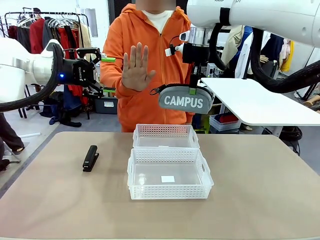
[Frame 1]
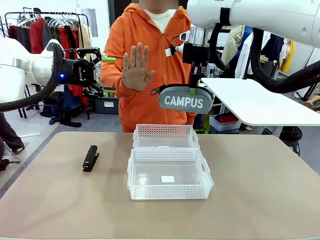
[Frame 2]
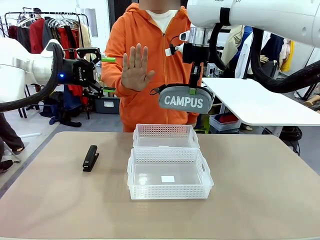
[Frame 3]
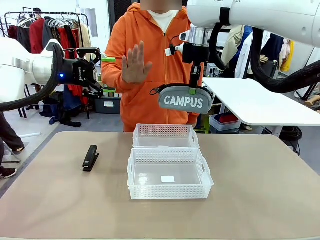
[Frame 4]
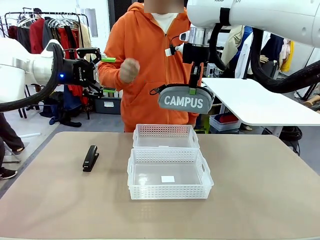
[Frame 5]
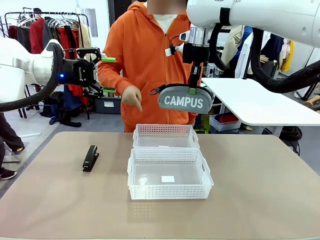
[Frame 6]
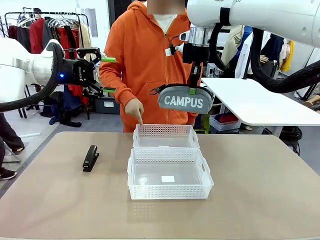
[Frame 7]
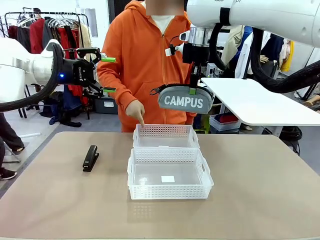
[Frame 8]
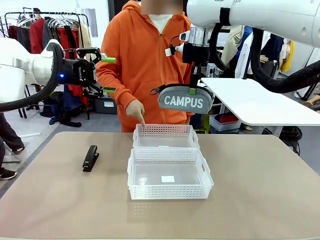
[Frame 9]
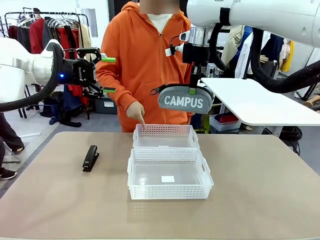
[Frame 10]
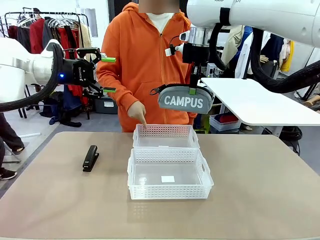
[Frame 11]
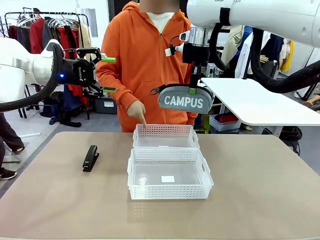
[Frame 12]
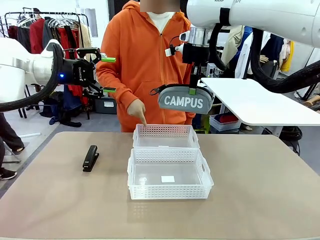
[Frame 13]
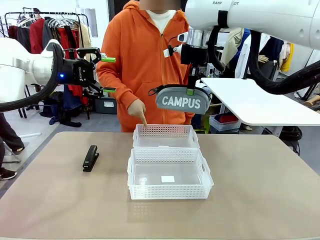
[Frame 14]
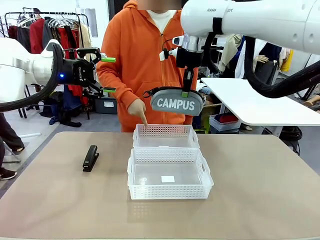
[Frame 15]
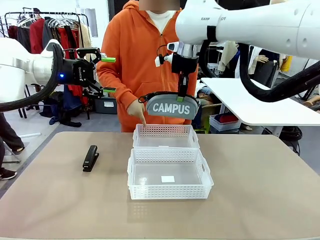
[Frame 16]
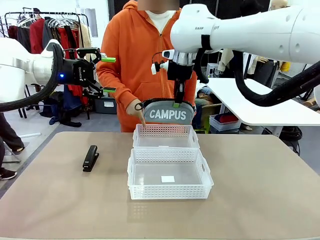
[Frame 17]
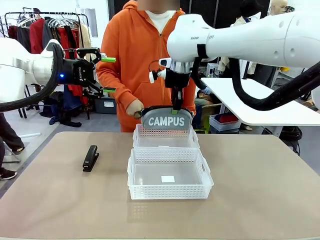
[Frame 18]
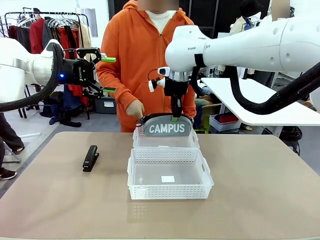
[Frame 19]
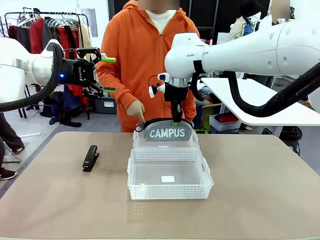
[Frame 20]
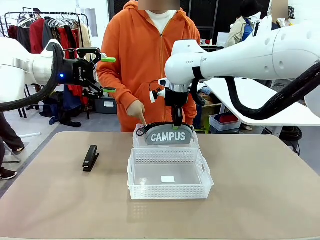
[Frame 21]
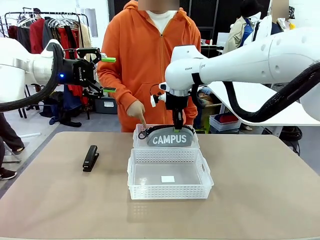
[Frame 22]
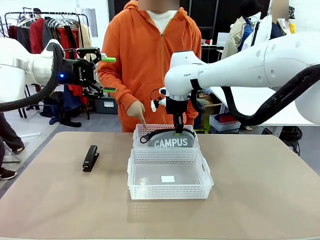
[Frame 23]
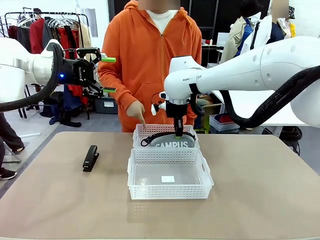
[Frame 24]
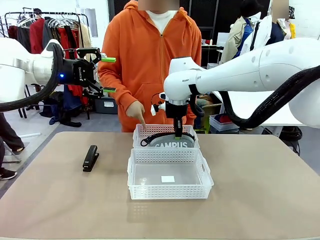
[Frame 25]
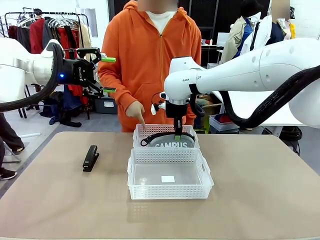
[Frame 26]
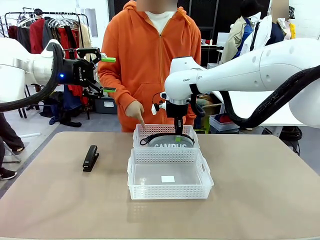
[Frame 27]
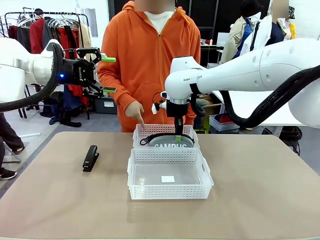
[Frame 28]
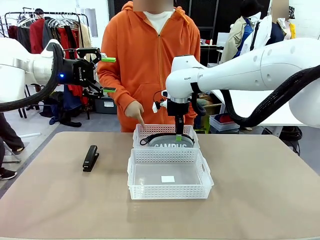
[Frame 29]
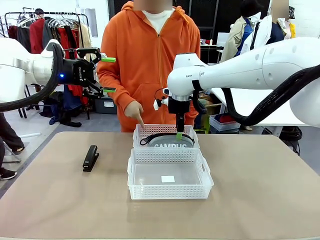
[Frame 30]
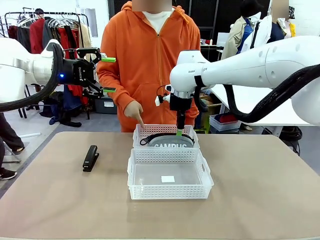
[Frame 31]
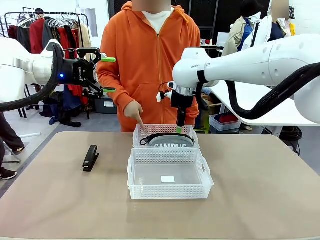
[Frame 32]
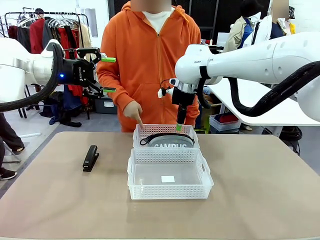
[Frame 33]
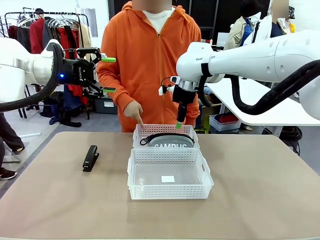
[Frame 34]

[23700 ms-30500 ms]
Task: Distribute items into two baskets.
Robot: Place the picked Pencil pouch into the Organizing basket as instructed by the person.
Person: Instructs the robot to place the pencil case into the opposite basket.

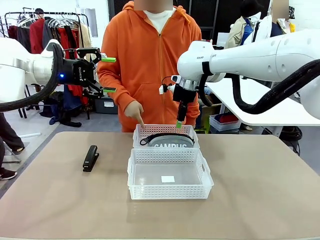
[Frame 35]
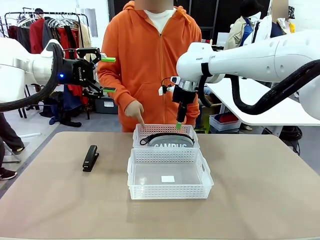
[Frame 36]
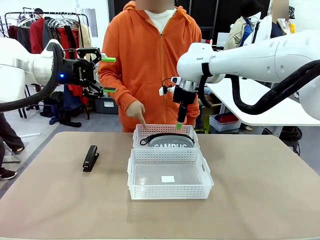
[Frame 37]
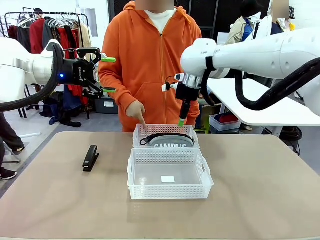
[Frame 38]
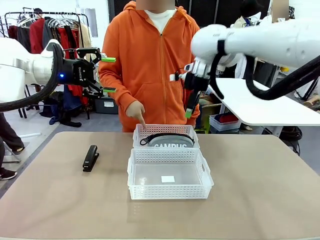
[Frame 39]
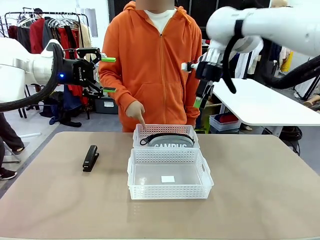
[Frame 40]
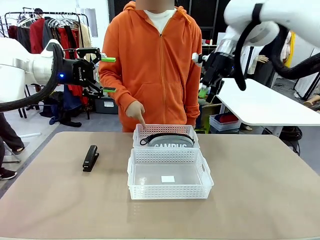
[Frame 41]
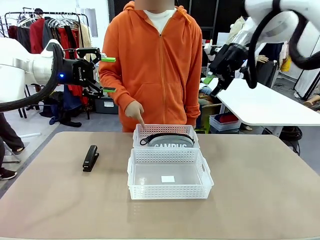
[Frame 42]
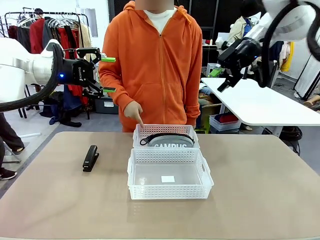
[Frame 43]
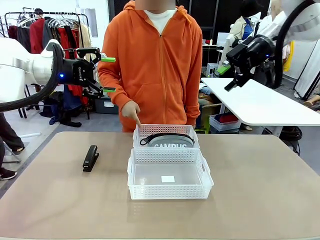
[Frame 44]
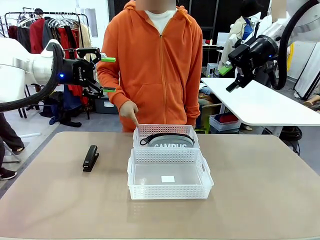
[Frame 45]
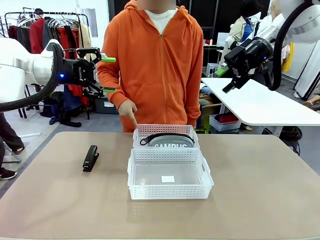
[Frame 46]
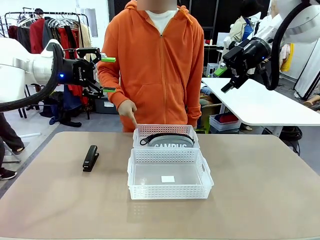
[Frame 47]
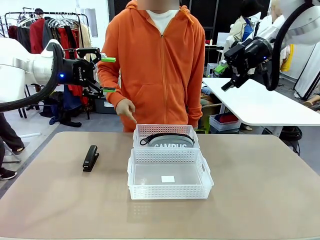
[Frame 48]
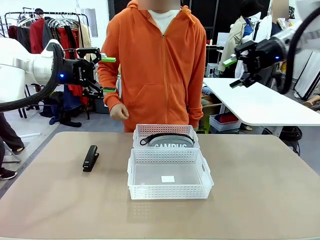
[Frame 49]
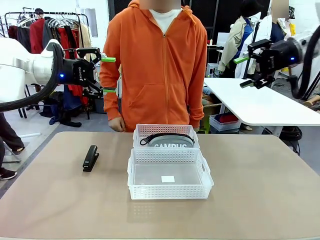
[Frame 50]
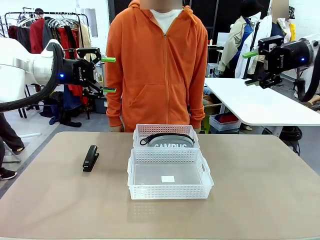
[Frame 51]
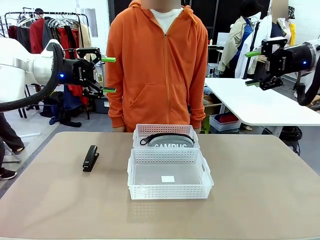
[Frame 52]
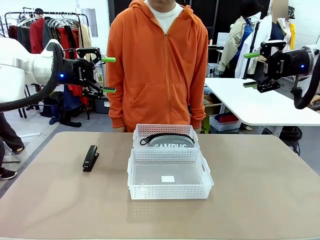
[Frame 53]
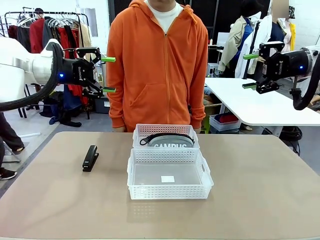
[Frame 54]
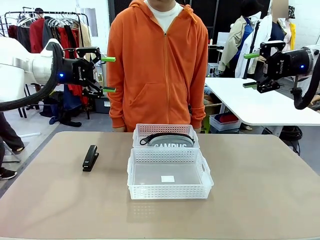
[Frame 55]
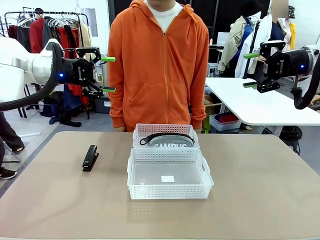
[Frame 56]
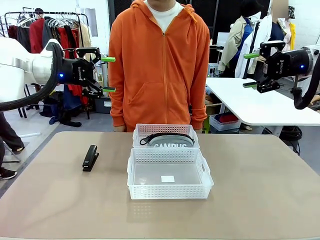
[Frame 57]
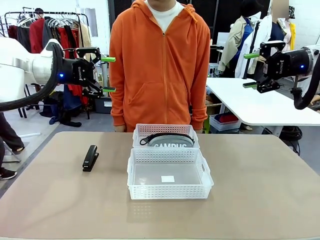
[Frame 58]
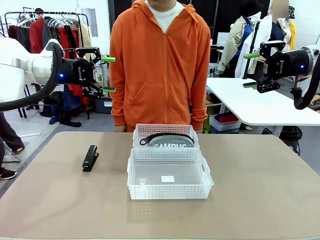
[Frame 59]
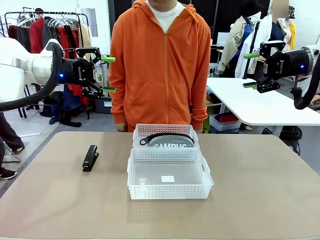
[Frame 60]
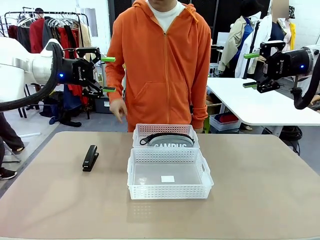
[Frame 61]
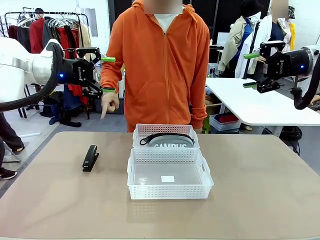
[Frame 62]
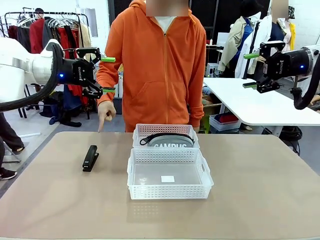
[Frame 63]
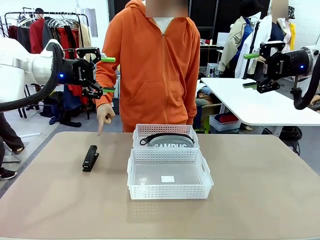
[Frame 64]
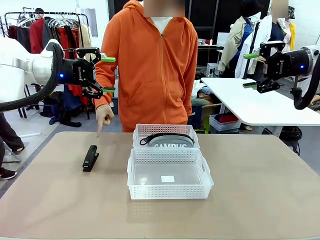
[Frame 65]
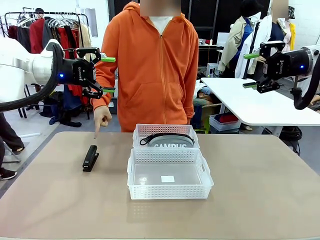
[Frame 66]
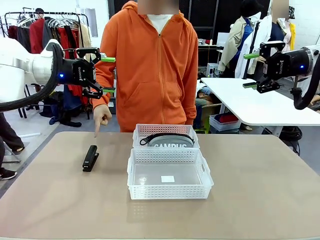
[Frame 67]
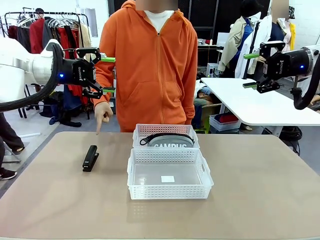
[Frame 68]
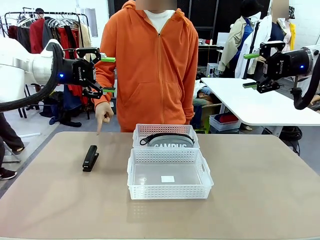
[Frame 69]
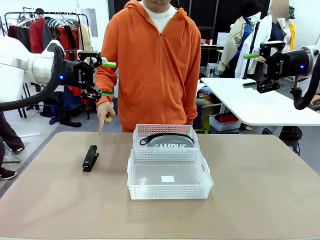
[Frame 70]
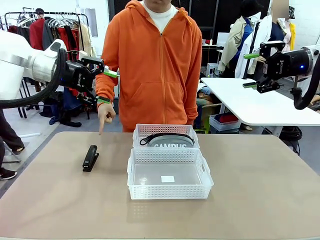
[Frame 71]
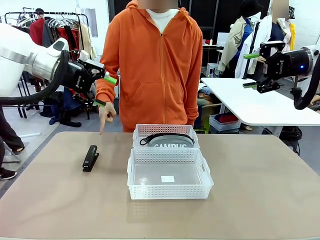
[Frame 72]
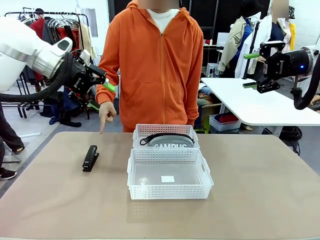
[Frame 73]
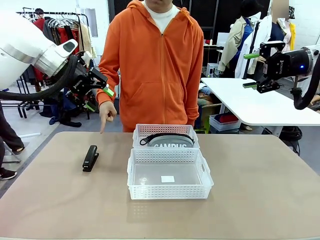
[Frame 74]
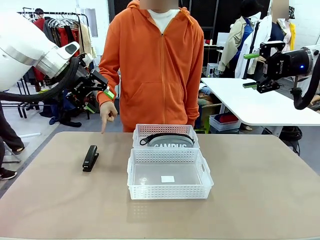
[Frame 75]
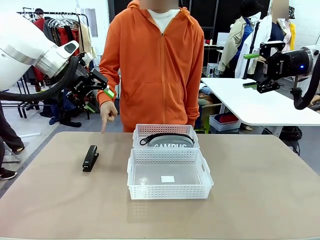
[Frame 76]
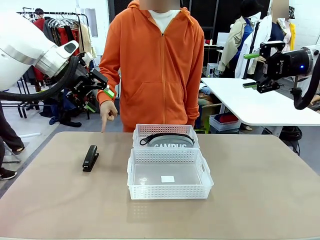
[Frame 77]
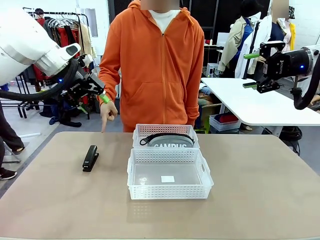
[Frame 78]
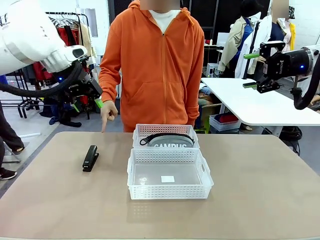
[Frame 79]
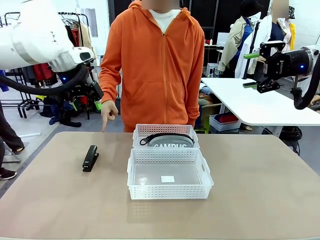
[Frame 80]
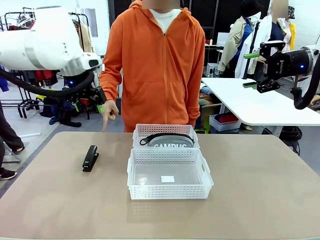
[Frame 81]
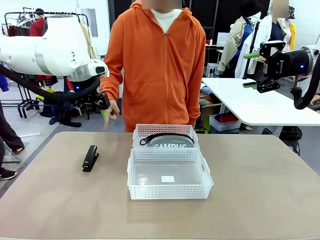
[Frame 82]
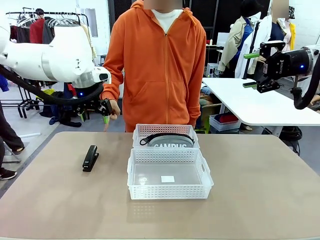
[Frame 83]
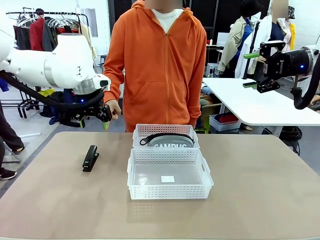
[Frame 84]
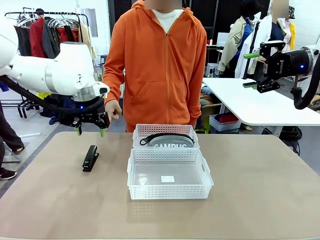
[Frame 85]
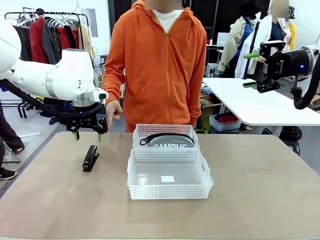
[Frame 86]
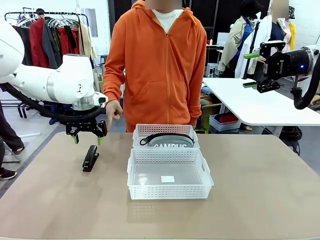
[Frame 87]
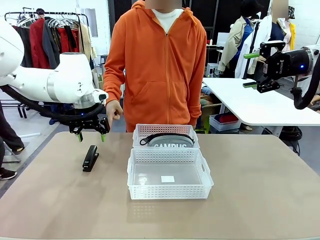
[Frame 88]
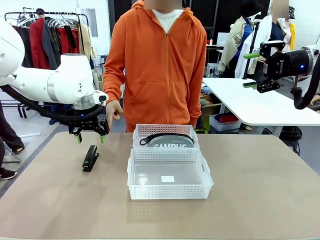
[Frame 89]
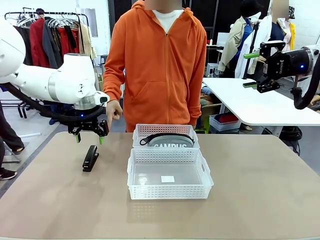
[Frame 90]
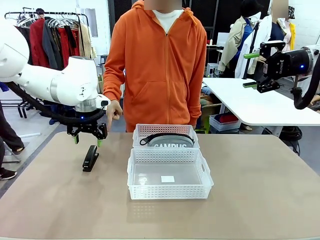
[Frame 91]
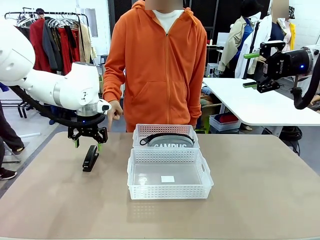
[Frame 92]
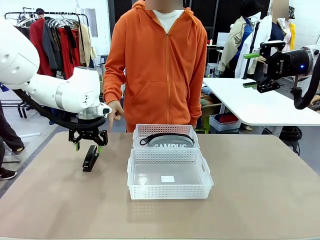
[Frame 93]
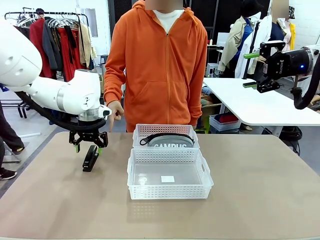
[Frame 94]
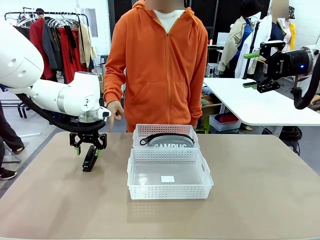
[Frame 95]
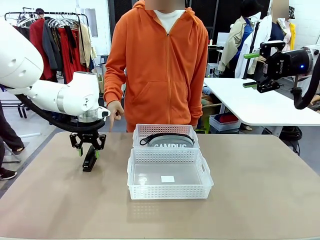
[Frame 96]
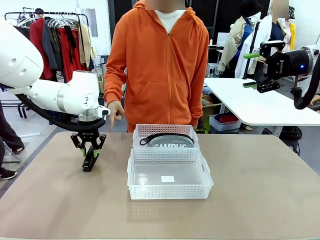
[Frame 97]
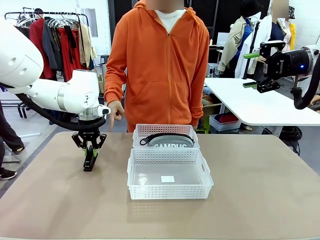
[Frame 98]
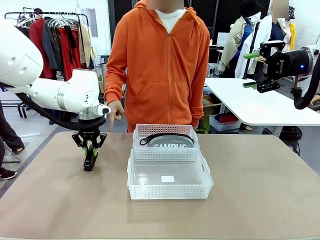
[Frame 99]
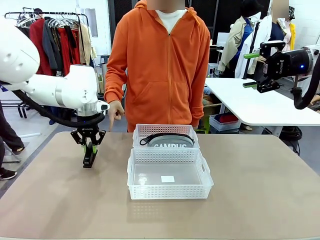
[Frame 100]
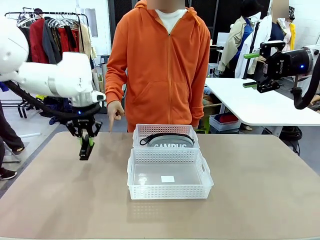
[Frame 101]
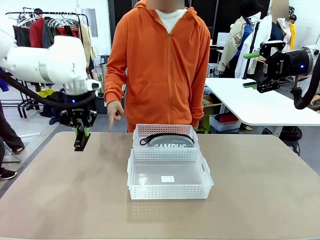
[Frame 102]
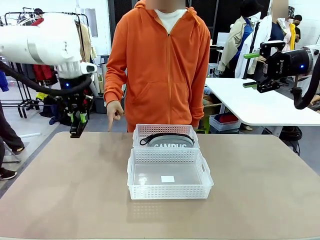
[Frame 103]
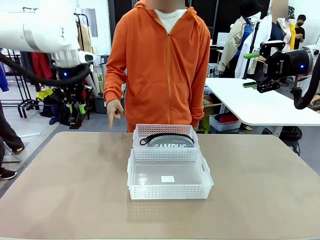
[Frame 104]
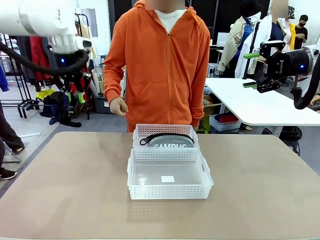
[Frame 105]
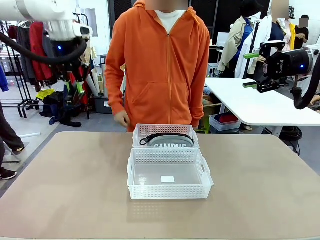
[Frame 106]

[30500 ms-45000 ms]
Robot: Pick up the Stapler that the person points to.
Person: Points to the stapler.
